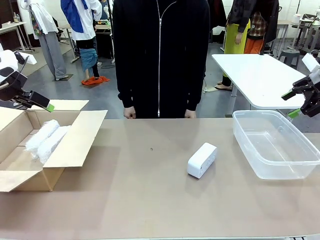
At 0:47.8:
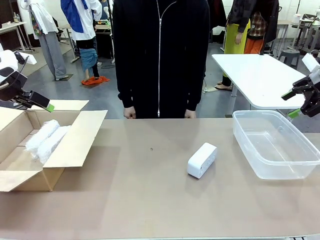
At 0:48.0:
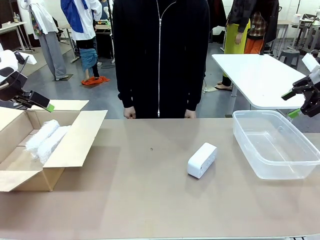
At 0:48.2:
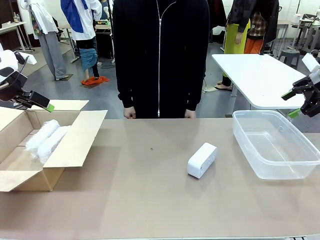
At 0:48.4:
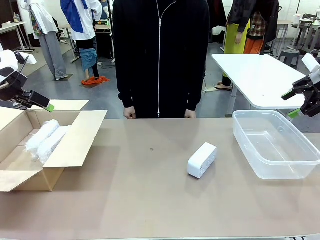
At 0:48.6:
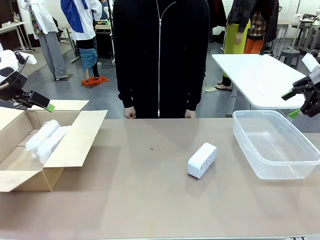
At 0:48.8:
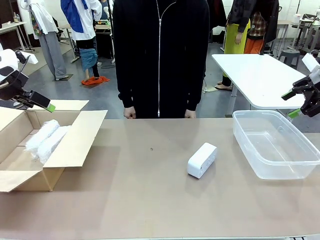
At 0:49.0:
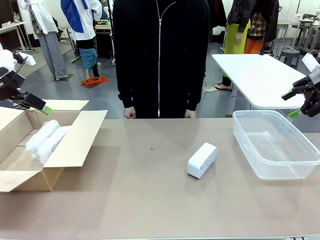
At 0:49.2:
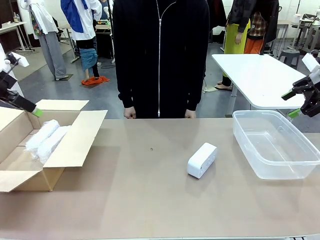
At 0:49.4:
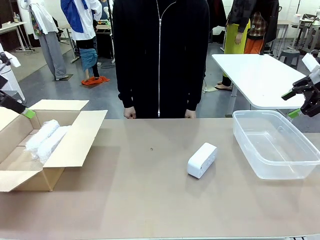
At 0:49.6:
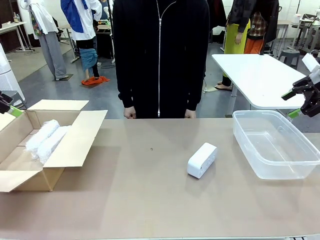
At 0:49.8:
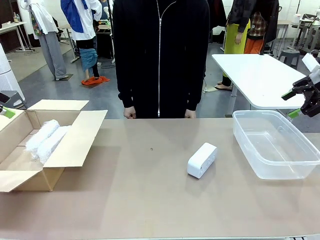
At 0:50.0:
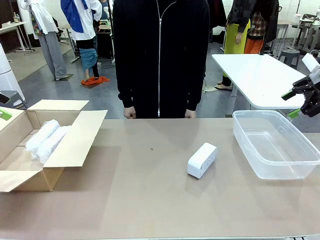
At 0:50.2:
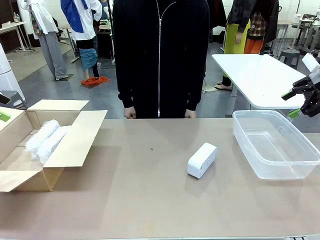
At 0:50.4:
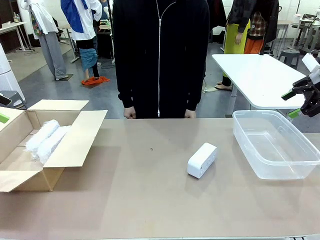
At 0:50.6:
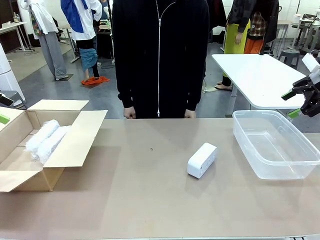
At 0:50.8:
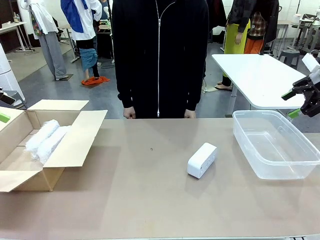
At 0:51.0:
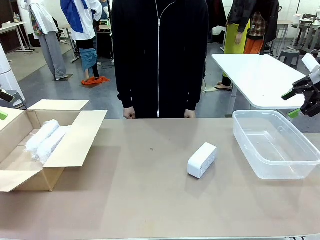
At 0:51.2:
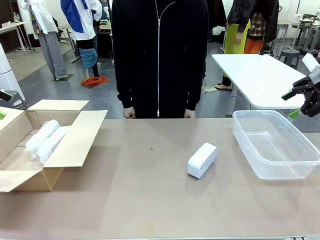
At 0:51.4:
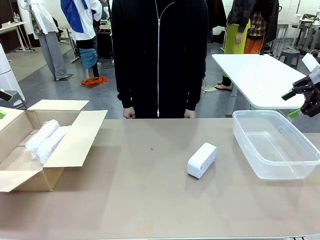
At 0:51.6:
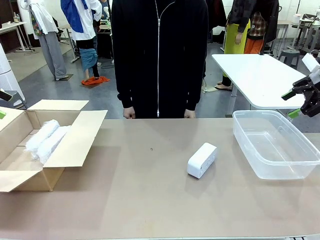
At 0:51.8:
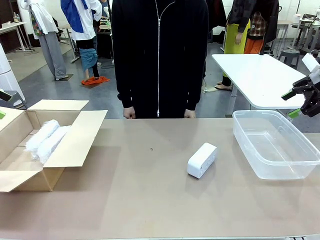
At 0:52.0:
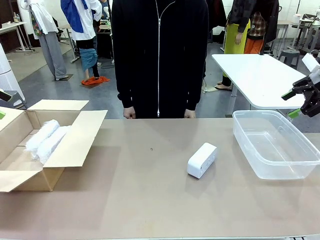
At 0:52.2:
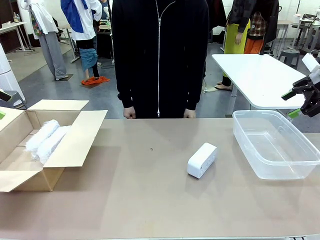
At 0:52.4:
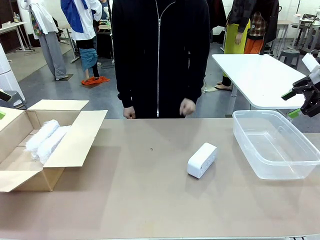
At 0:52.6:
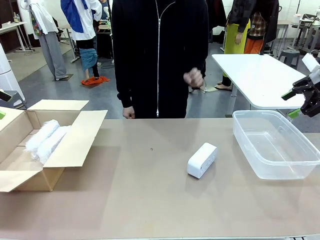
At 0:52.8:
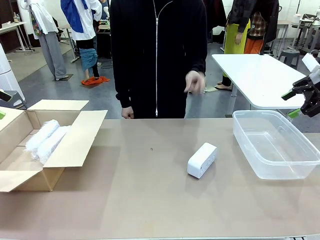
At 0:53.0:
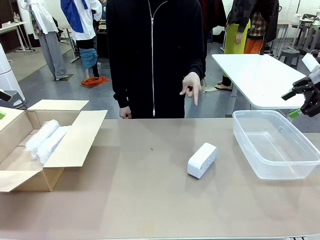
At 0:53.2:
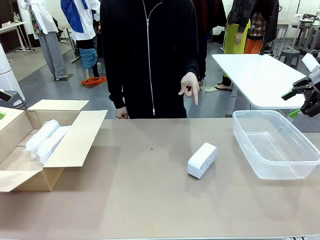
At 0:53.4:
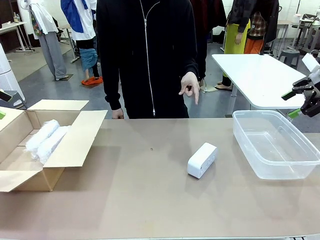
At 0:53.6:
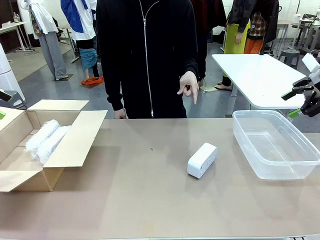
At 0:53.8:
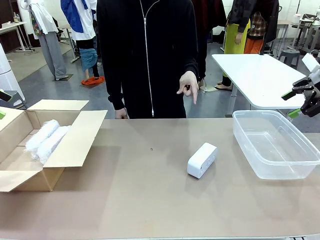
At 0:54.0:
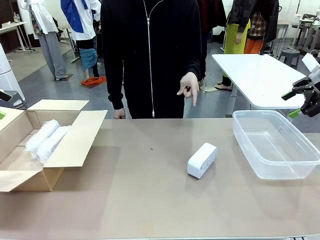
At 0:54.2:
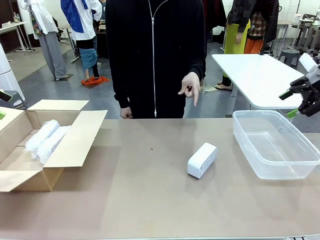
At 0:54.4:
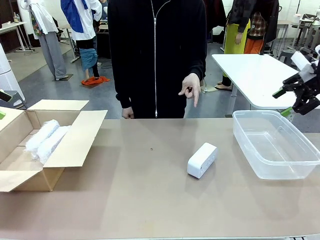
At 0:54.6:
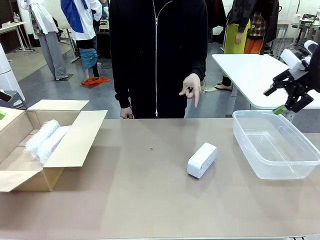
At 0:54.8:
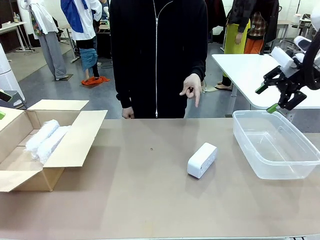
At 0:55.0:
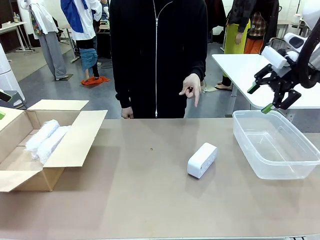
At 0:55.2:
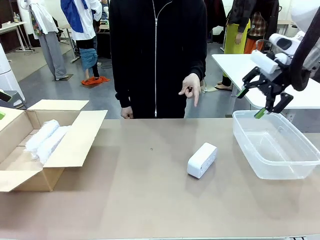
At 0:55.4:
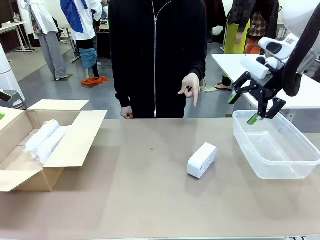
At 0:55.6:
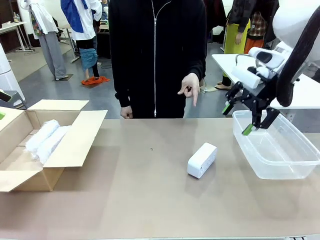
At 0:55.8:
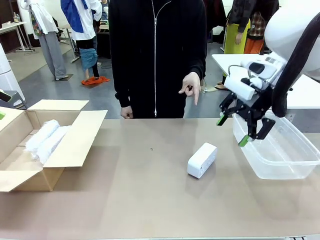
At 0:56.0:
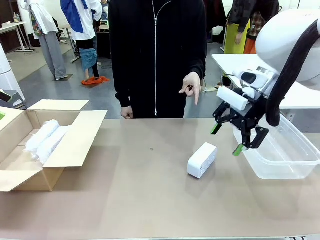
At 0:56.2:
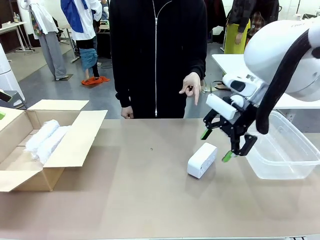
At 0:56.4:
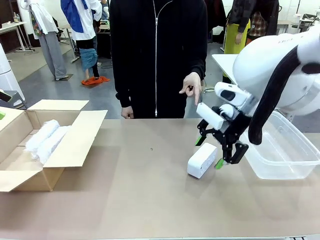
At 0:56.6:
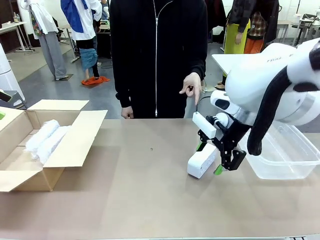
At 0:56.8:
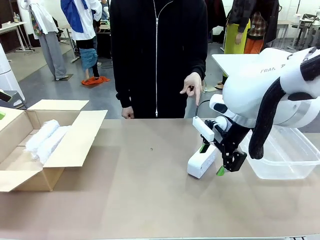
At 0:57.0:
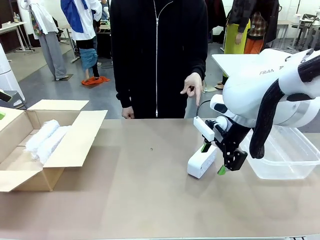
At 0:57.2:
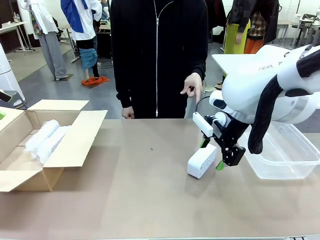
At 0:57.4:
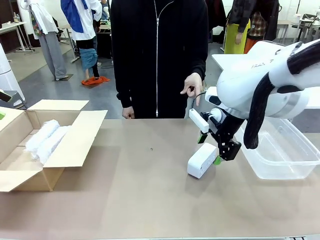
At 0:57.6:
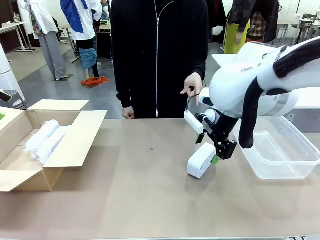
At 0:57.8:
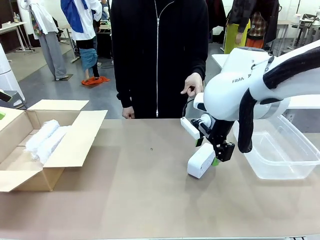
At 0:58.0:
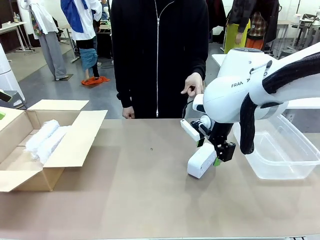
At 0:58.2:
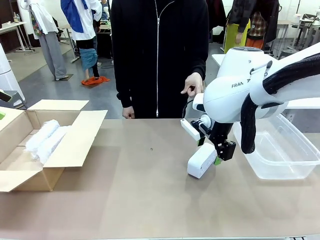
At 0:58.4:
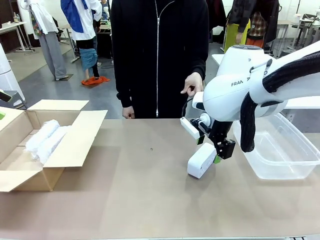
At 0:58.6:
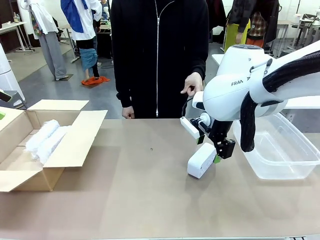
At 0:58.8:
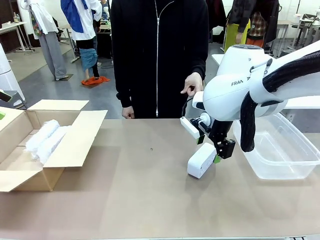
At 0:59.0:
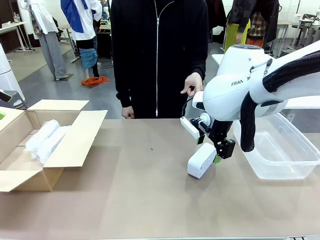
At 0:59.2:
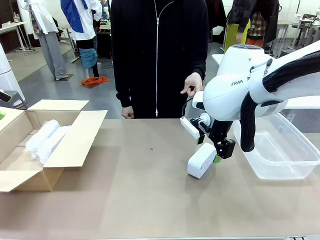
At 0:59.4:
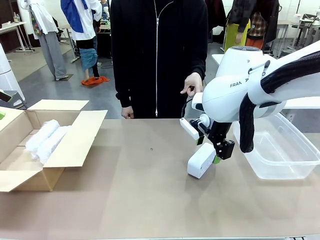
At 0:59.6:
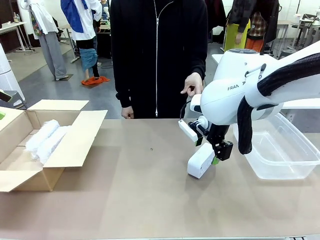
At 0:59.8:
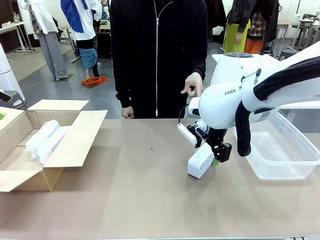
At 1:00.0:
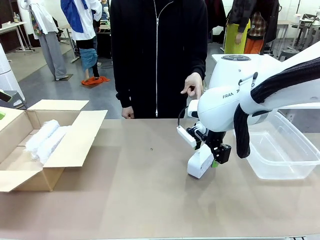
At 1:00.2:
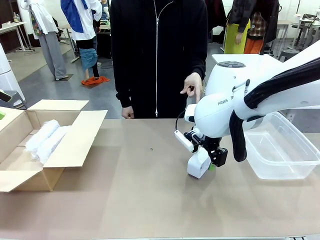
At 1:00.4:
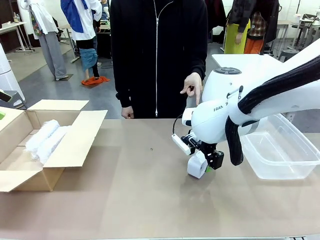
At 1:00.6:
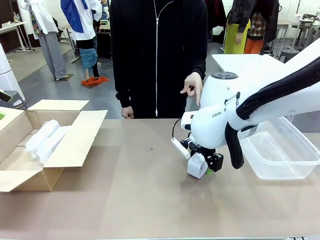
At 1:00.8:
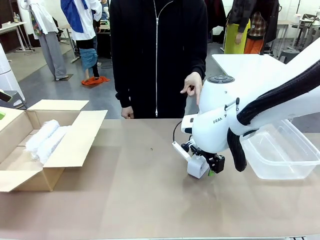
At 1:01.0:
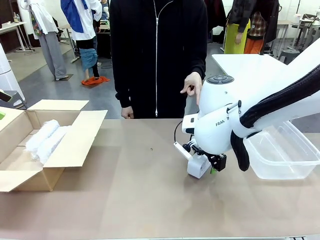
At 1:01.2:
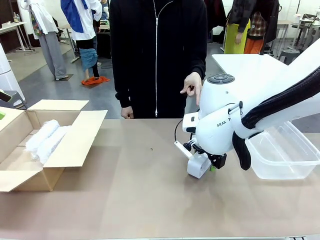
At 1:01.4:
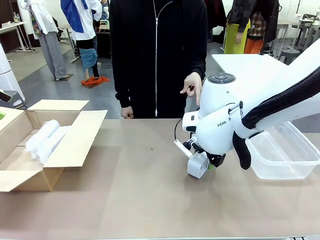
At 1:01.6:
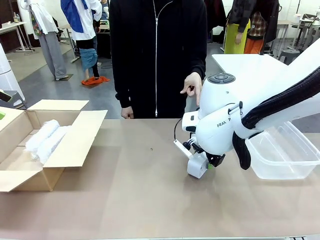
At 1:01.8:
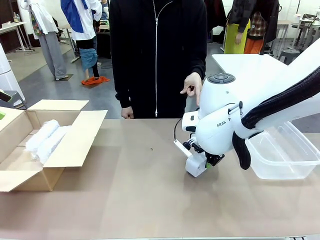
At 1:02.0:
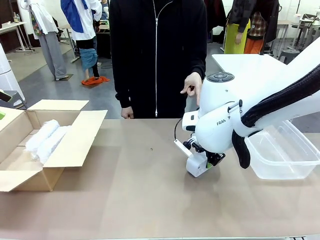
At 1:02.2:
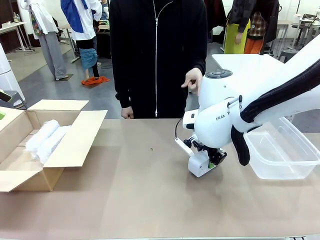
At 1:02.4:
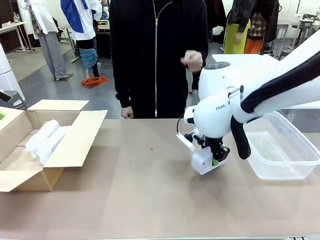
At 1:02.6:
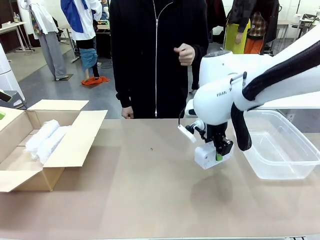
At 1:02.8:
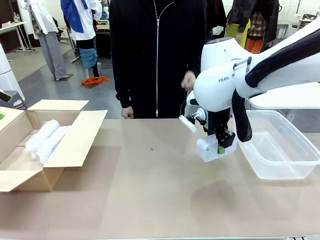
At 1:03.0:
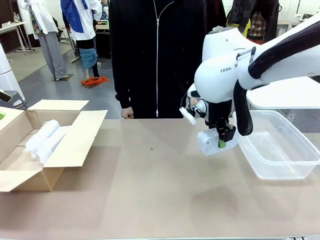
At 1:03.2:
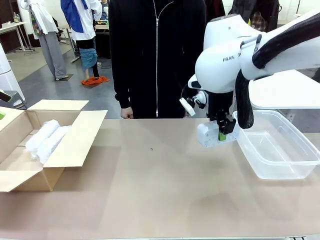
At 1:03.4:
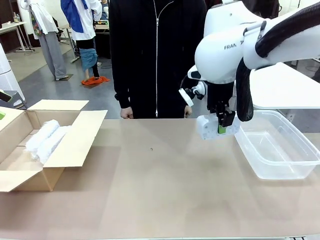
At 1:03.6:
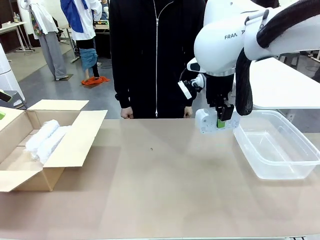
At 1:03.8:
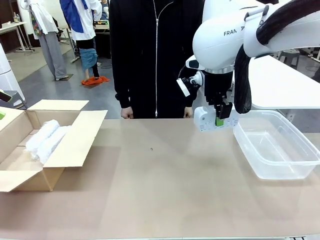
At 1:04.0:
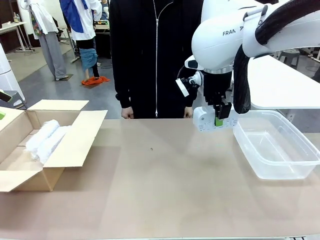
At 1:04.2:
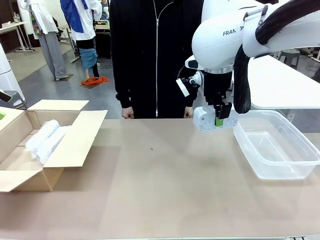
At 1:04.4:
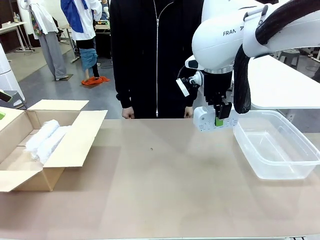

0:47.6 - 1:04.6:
Task: Separate and place wrapped and unwrapped clocks.
Robot: Pick up the Digital clock indicated by the person.

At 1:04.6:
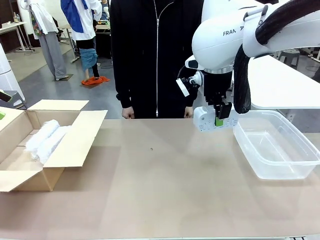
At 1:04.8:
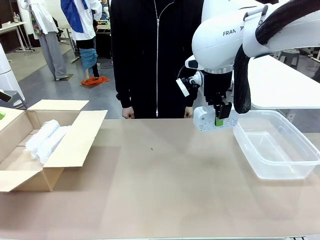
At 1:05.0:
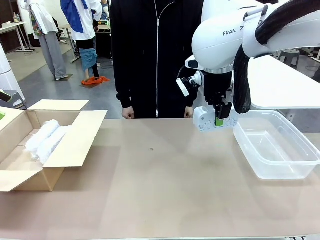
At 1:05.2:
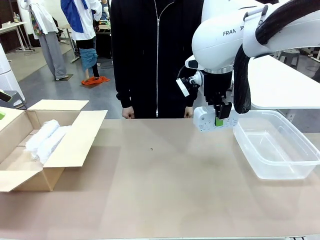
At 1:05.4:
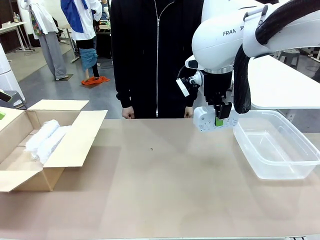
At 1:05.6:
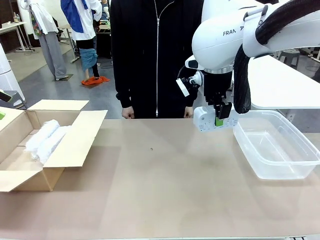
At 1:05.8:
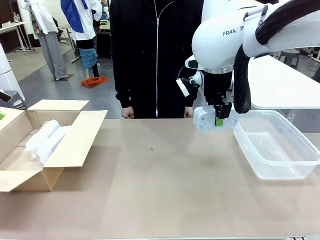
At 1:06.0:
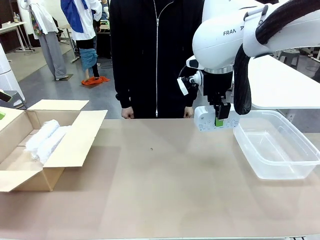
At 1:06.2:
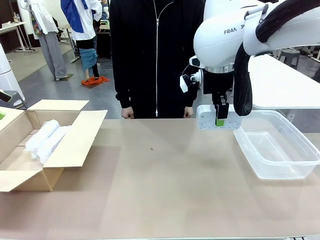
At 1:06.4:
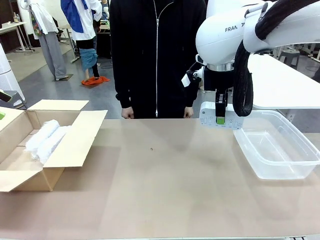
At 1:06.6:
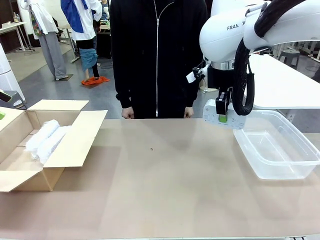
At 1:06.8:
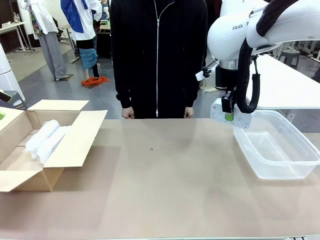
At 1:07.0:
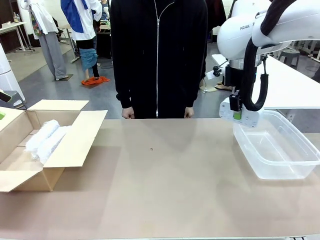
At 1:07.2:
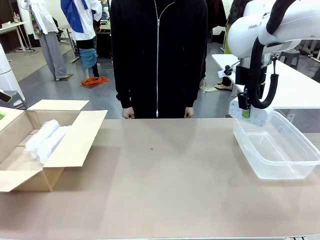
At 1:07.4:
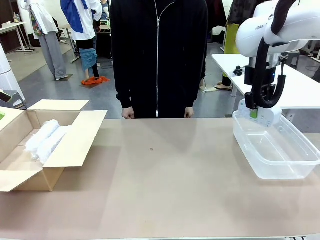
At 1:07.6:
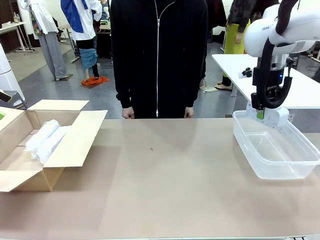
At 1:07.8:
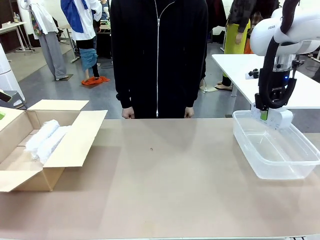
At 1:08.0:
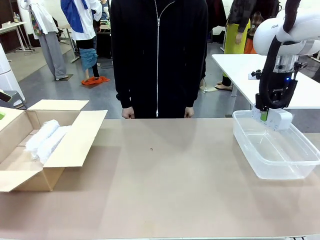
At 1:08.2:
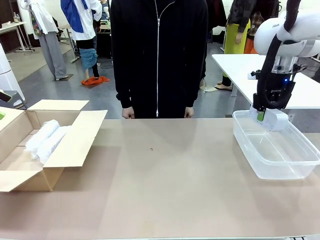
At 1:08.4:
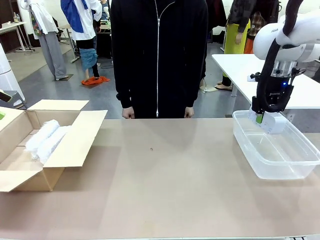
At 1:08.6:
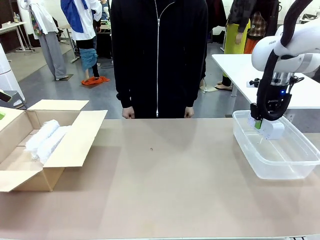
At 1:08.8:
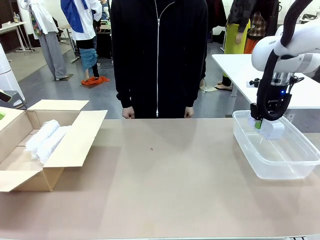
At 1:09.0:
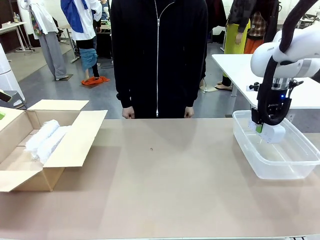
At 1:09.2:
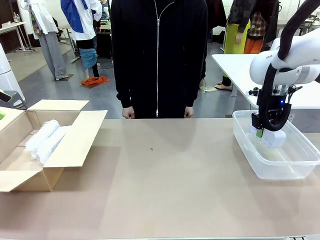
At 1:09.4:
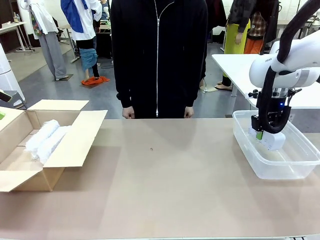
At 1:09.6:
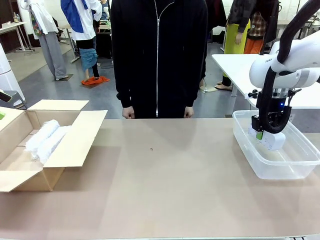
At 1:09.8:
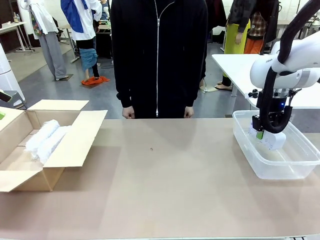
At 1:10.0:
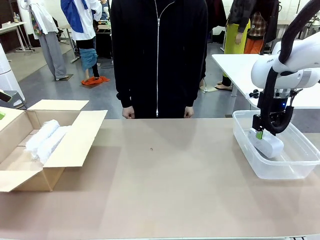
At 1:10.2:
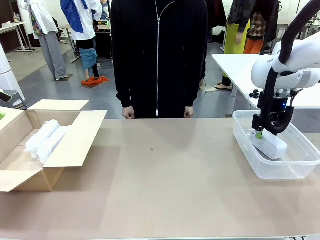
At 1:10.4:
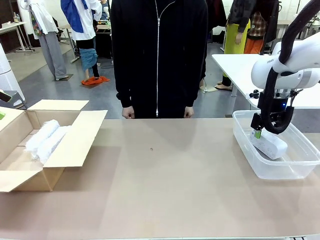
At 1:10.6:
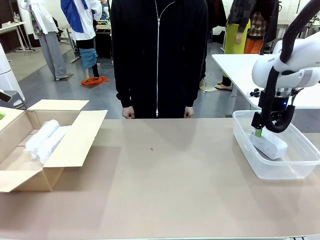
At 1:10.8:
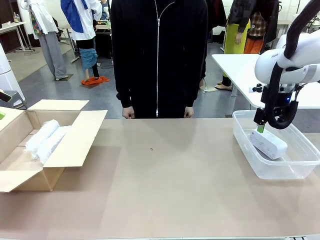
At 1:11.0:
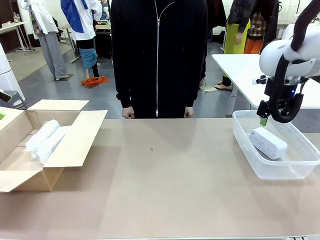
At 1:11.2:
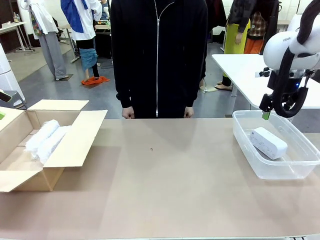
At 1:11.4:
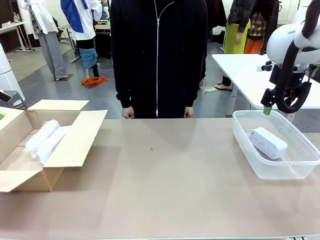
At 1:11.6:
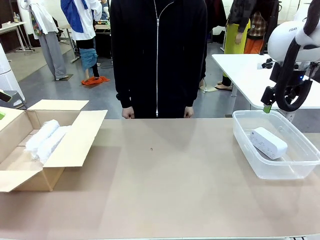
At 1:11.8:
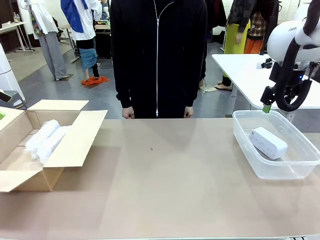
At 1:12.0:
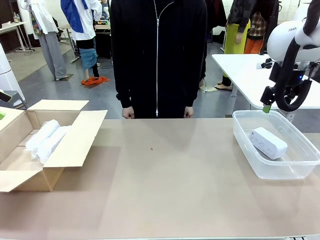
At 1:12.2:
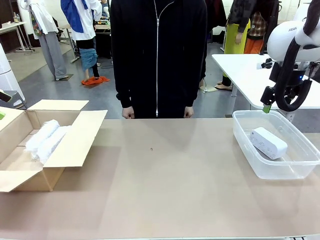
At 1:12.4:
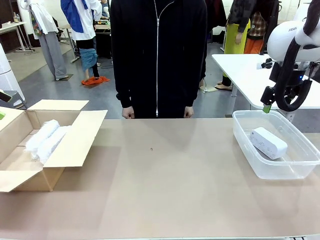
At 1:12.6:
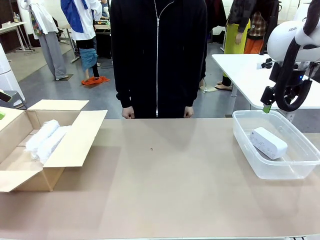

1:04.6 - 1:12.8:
Robot: If the picked Digital clock is wrapped, place it in the Package Box ; if not, place it in the Organizing box.
